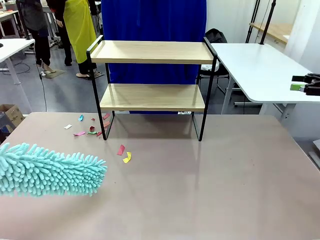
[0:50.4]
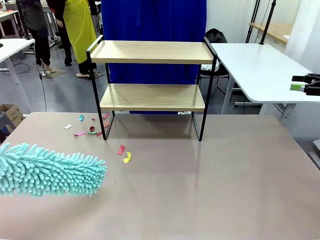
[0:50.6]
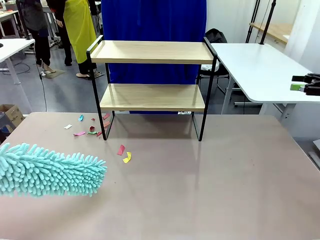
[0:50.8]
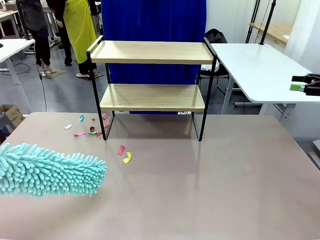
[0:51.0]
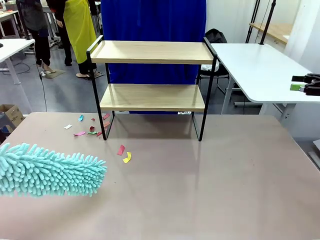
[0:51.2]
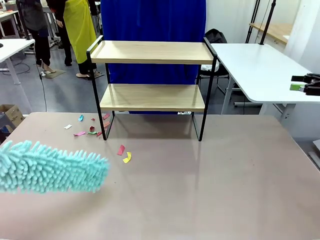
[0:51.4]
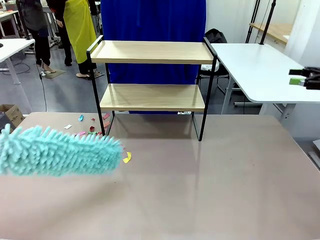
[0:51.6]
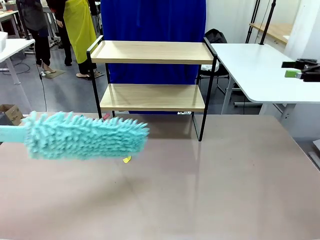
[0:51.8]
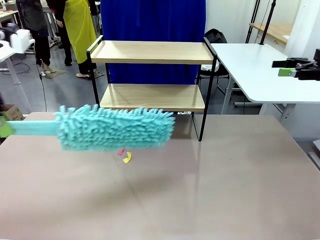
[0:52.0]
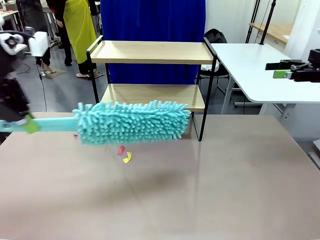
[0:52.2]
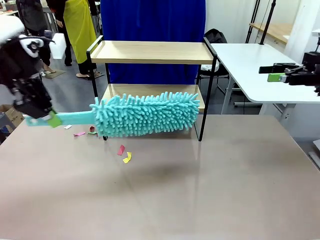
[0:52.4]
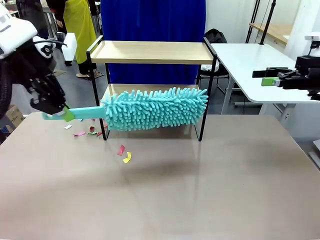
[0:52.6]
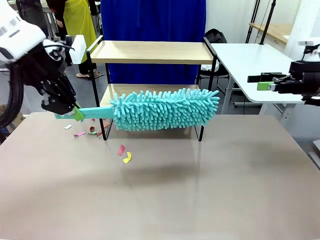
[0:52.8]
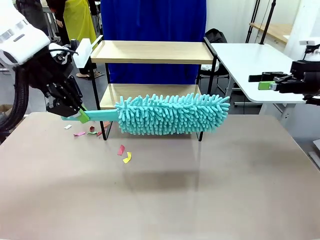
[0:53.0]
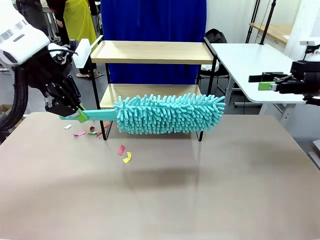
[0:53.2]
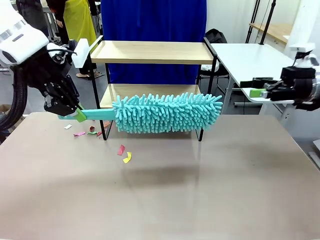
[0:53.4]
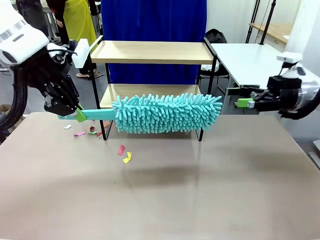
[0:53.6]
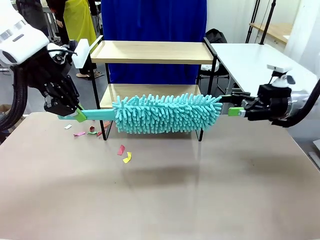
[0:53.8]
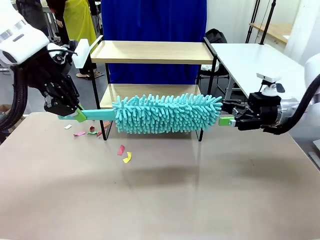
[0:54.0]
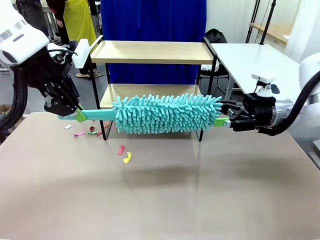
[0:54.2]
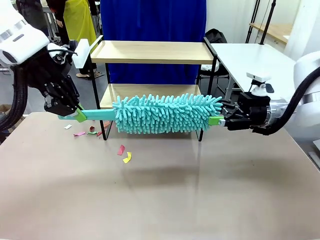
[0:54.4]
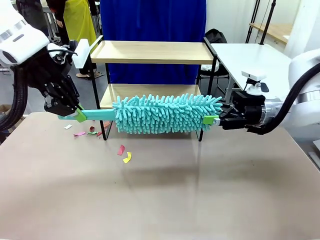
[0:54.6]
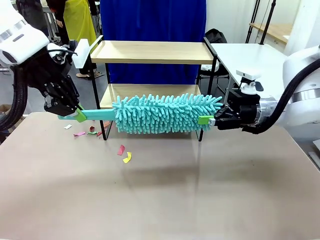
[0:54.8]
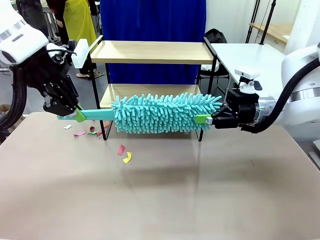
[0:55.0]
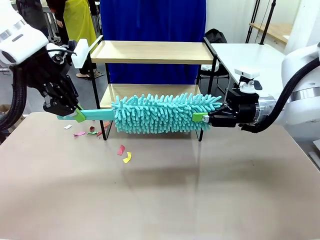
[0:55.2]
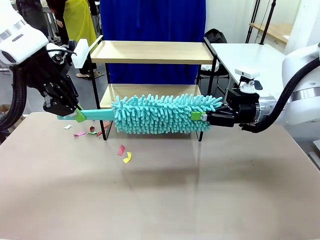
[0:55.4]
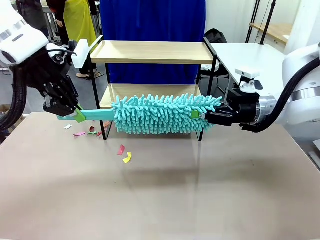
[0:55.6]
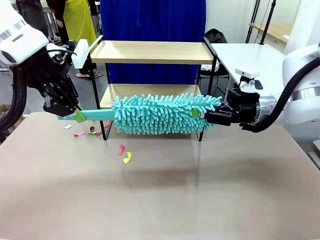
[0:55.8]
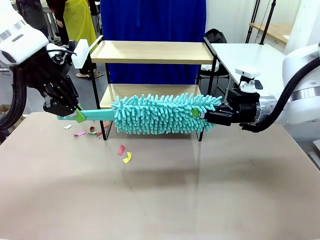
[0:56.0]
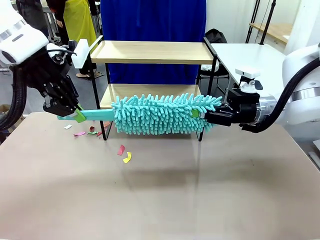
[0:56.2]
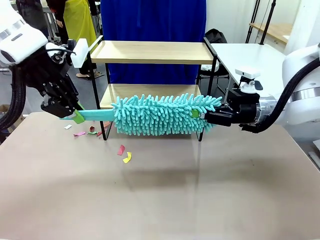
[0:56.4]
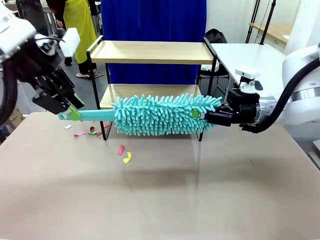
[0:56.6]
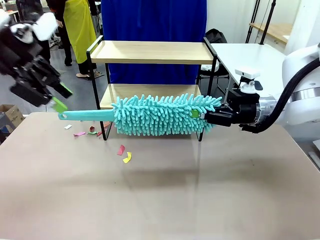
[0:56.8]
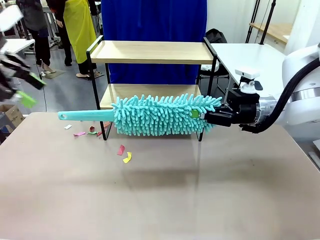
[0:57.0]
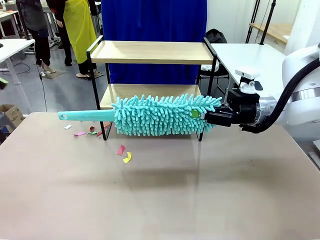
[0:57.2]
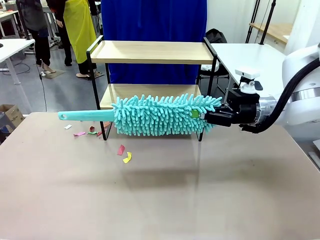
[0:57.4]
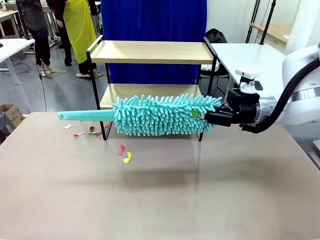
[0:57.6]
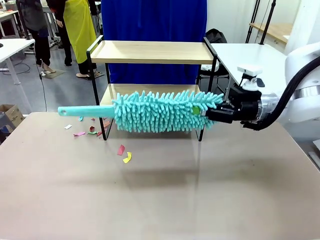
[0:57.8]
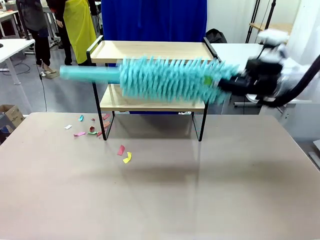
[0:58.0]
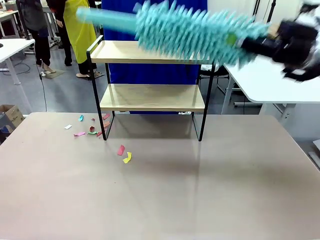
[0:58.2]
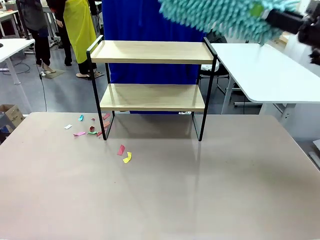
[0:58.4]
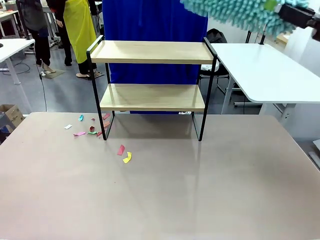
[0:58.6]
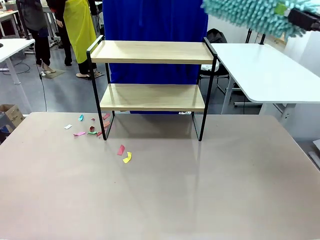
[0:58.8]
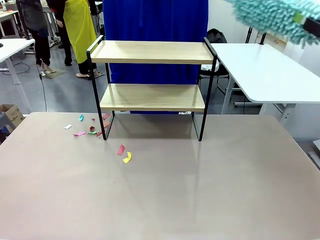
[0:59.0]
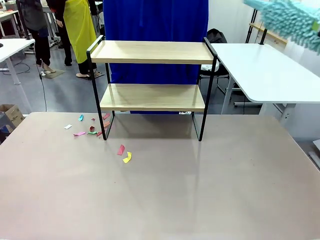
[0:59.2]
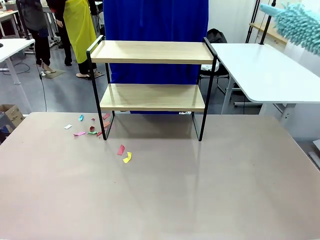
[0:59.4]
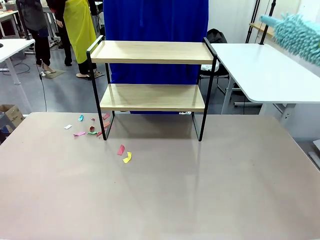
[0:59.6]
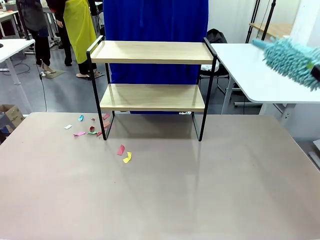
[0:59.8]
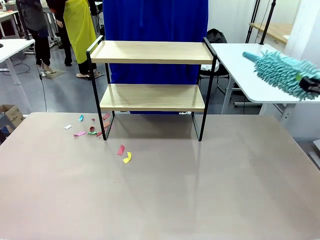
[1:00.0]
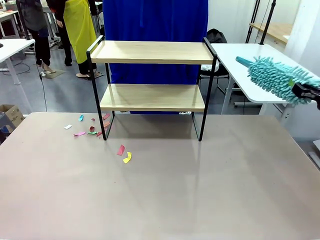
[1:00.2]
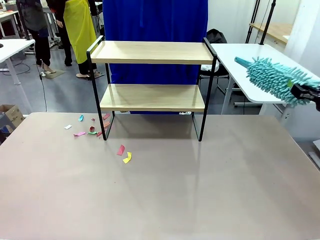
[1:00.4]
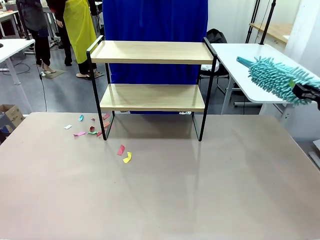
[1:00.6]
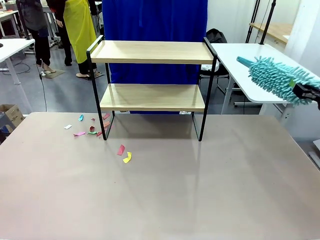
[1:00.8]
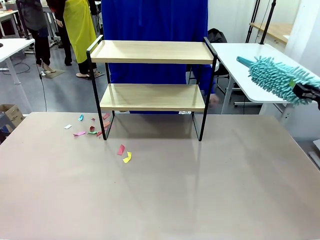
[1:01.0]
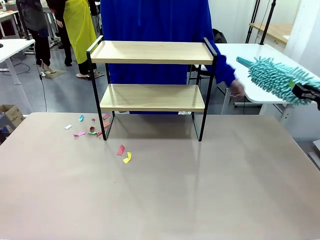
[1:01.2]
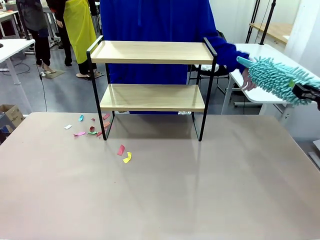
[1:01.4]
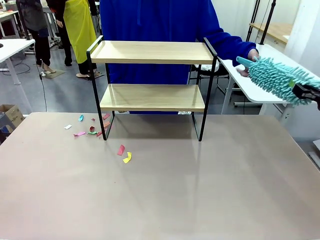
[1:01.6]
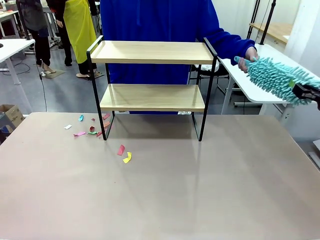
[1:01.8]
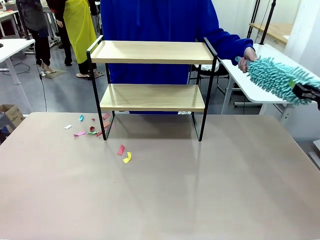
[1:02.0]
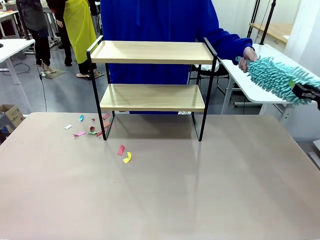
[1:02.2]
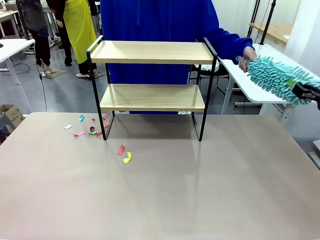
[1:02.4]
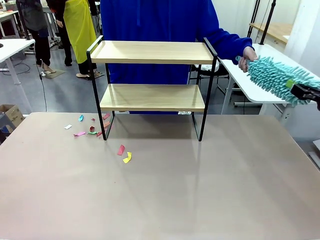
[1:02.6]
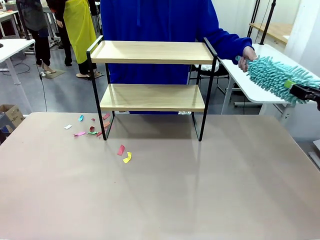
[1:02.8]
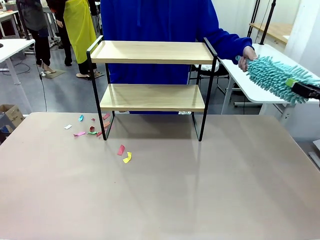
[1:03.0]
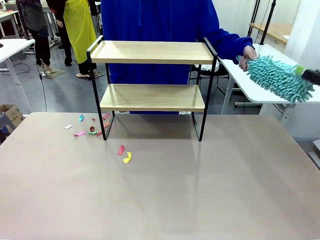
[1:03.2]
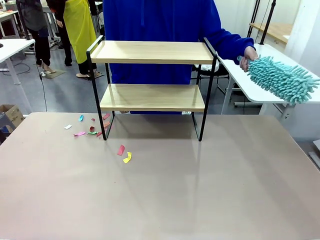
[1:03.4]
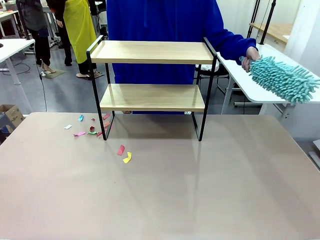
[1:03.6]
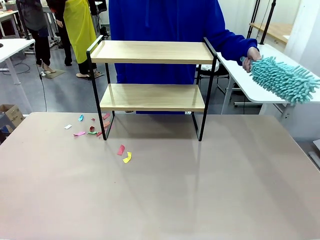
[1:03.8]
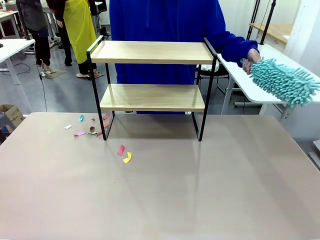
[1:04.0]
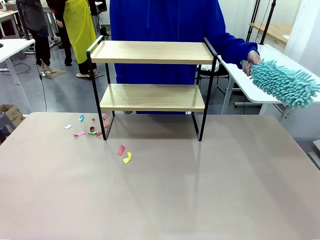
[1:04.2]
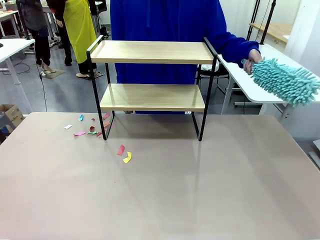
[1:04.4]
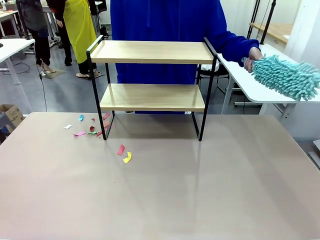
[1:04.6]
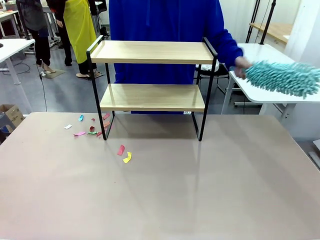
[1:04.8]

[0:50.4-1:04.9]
Task: Clean the shelf.
Robot: Hand the Duster back to the human.
Person: Receive the Duster from the robot.
